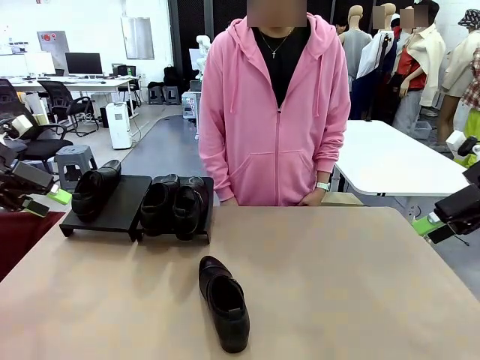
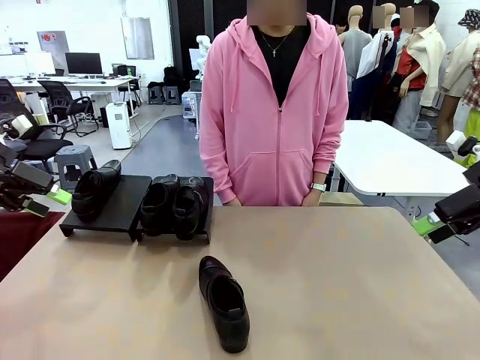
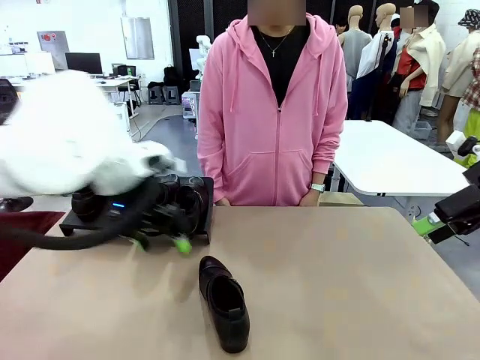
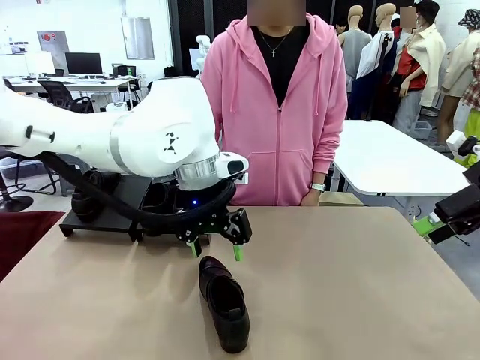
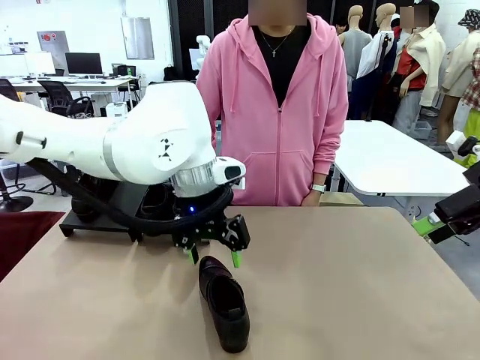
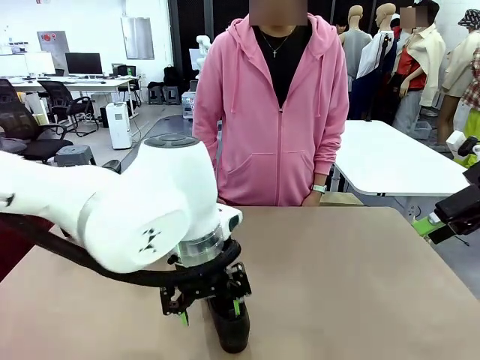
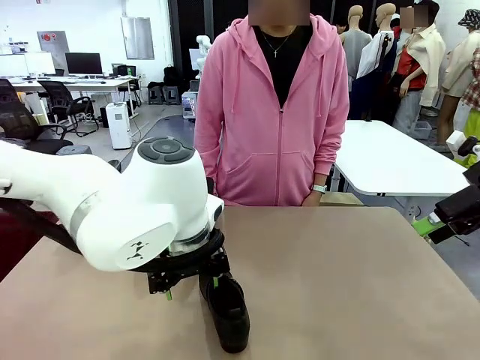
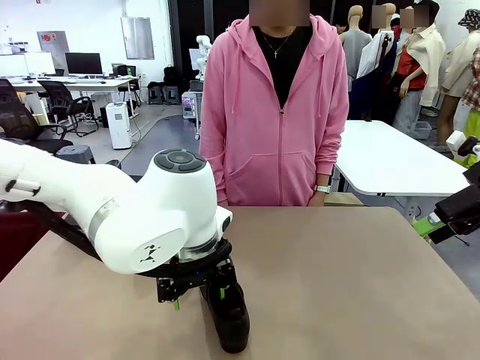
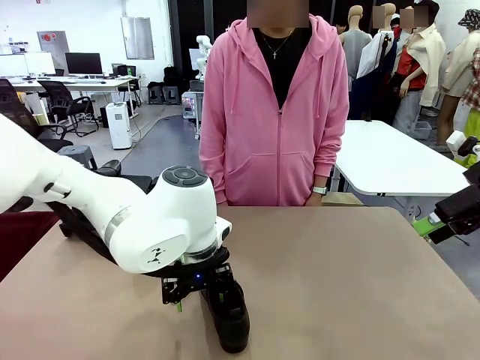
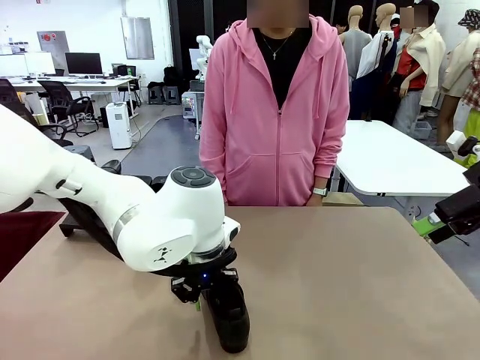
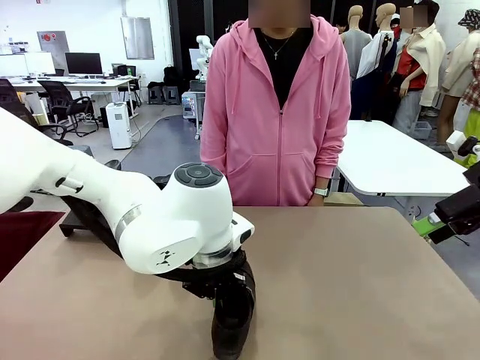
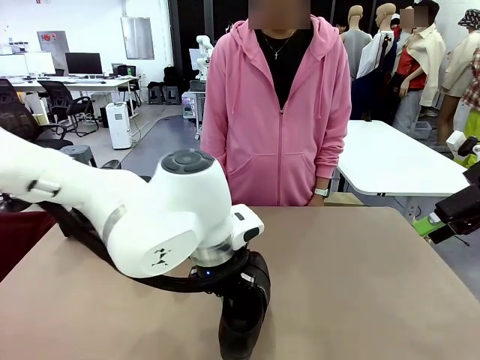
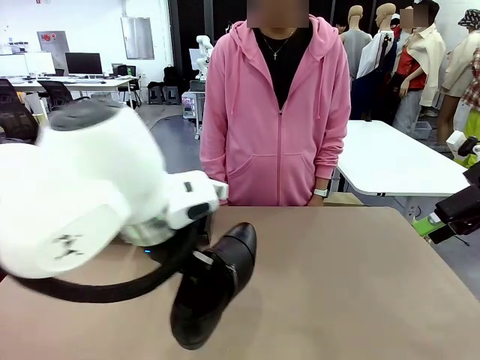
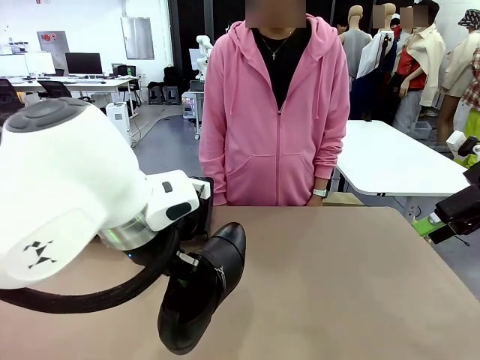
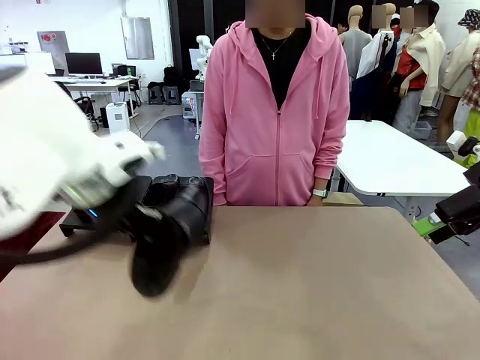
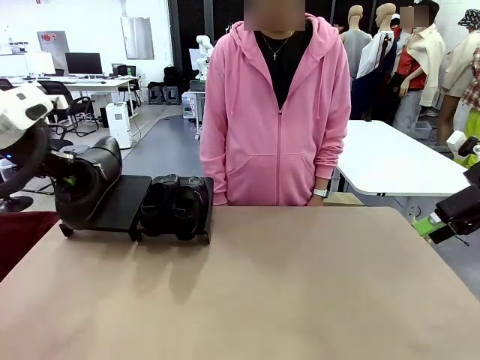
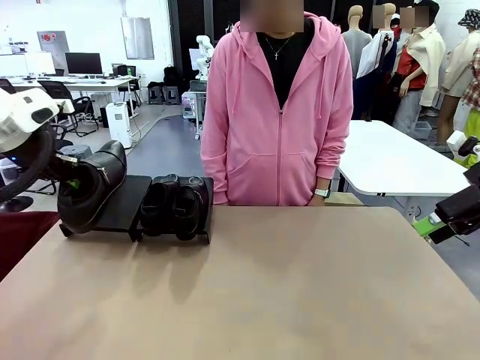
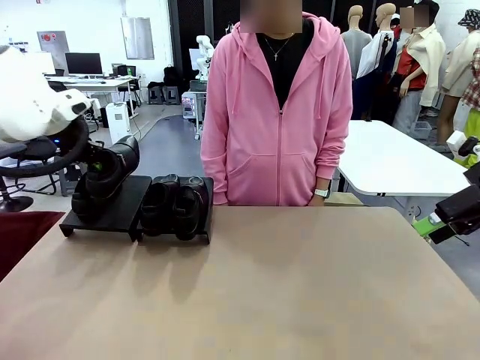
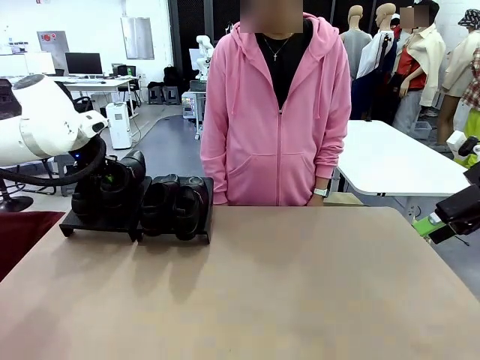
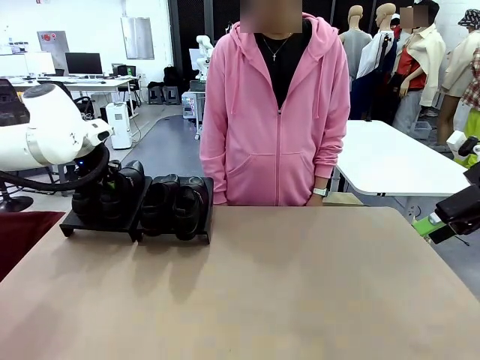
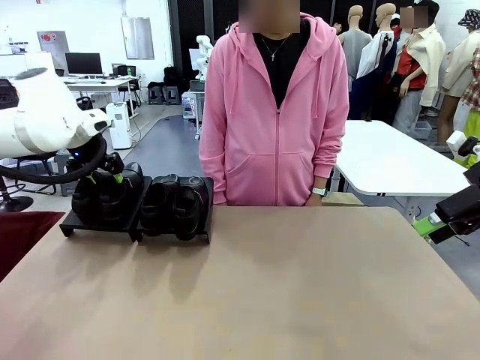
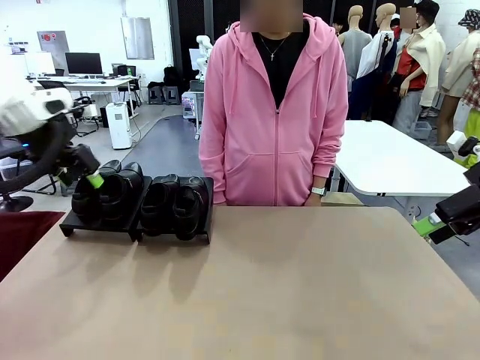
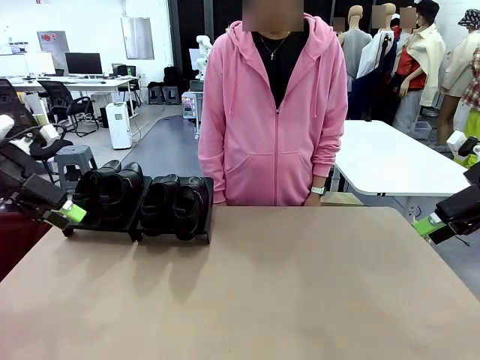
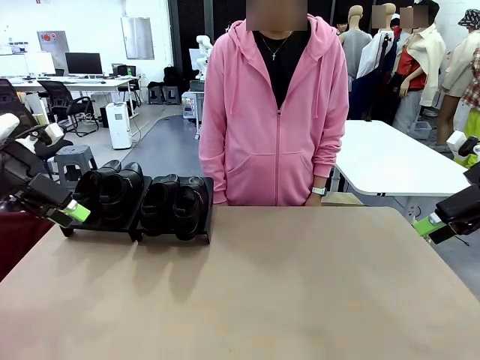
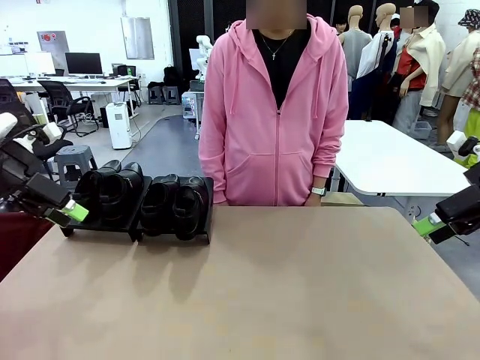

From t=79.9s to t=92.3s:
Task: Organize the shoes by placing them on the stand.
Robot: Place the Shoe from the middle of the table onto the Shoes Stand.

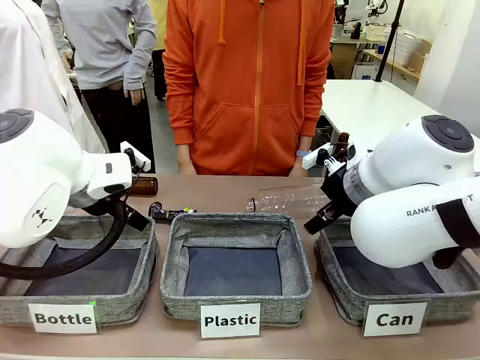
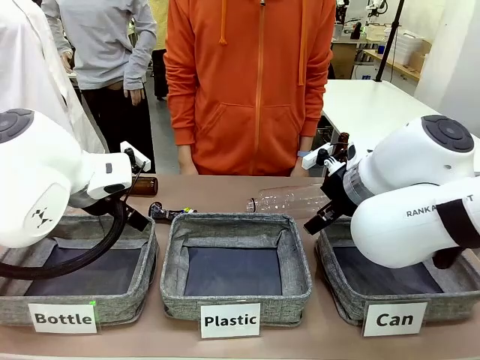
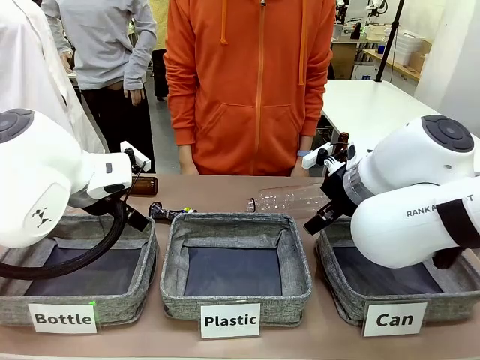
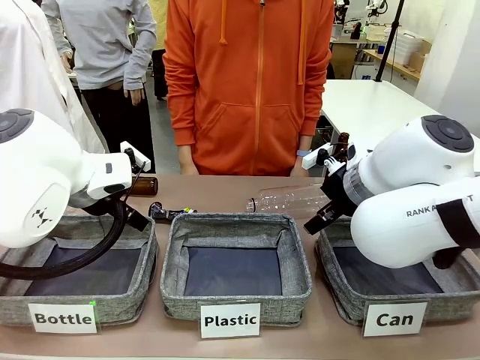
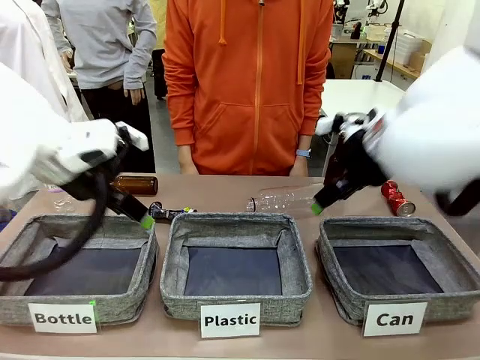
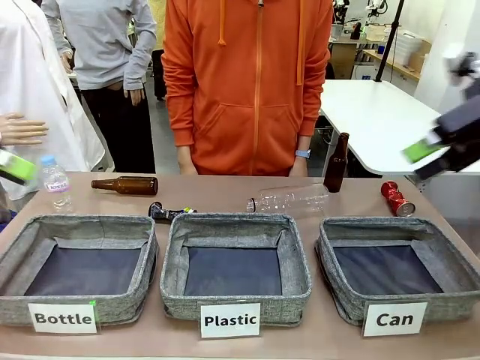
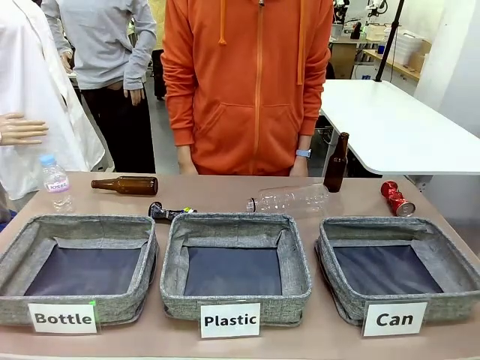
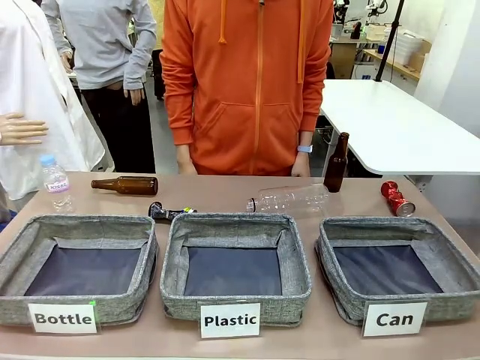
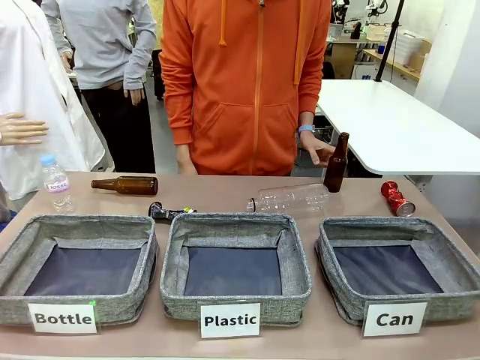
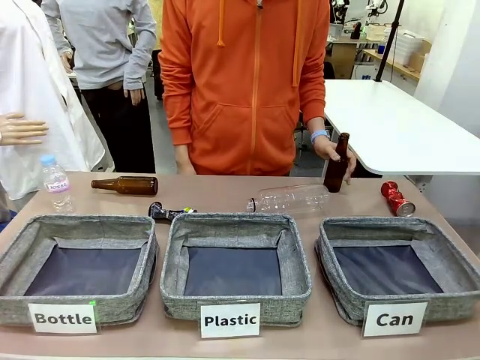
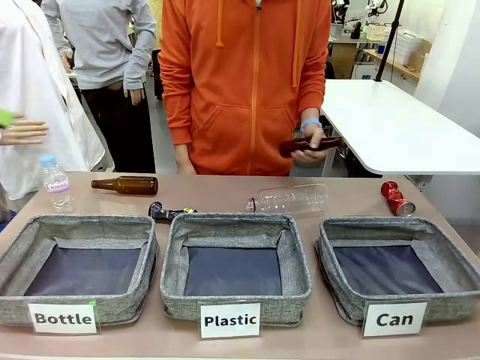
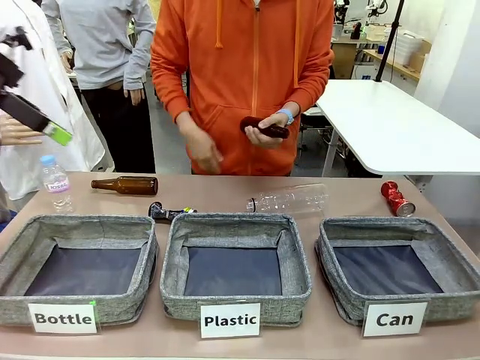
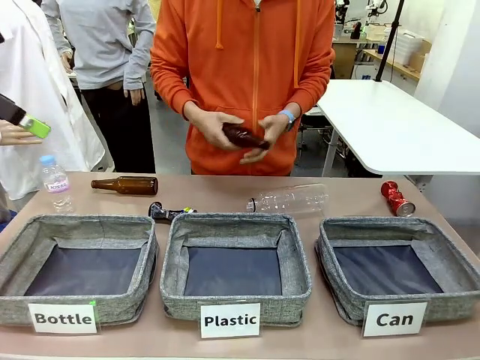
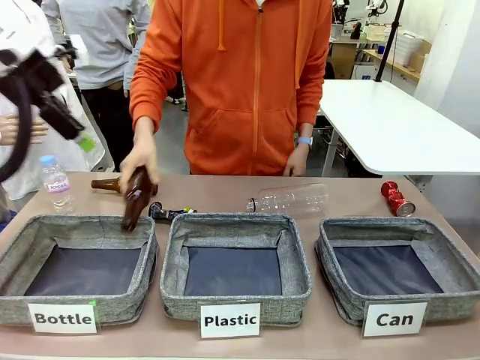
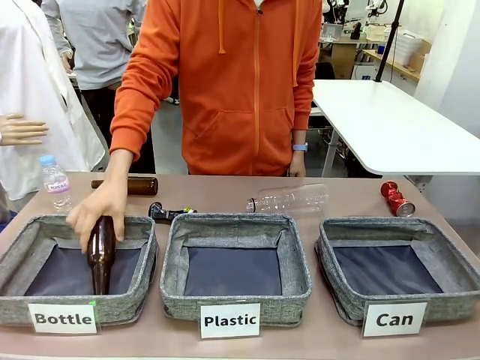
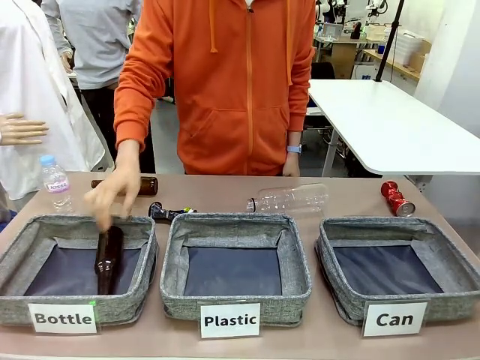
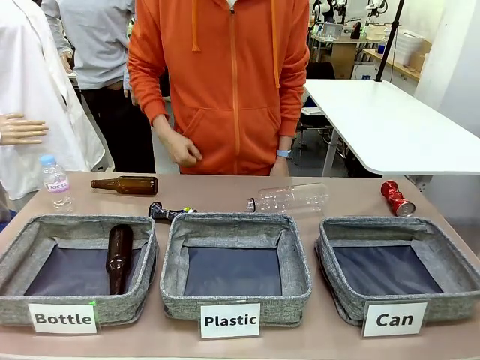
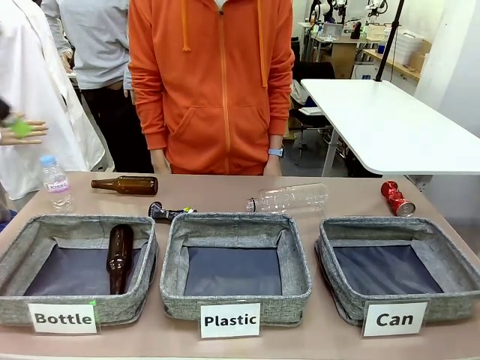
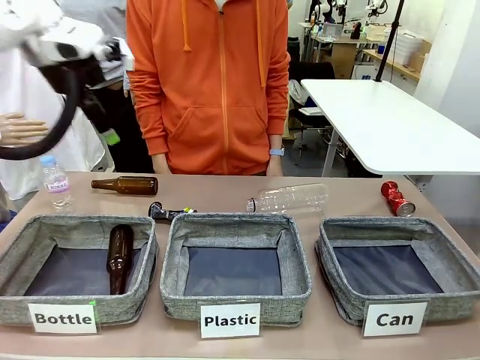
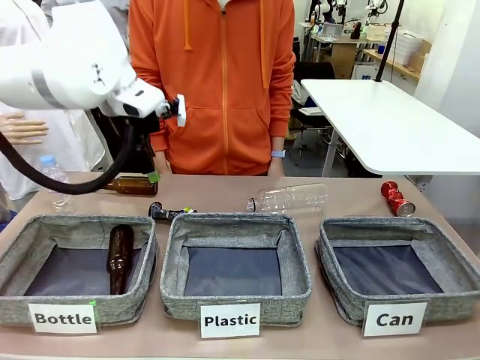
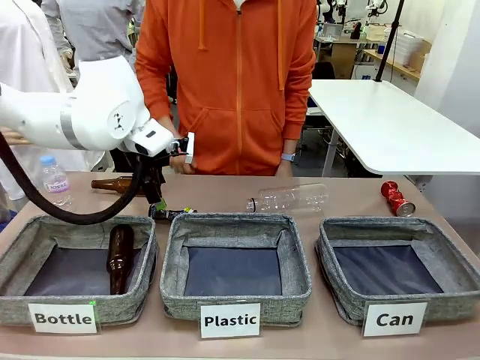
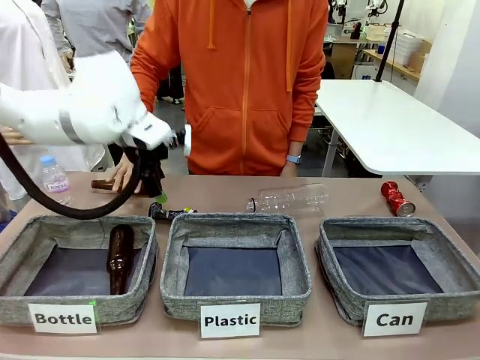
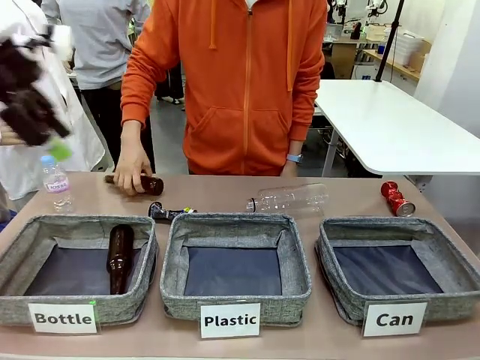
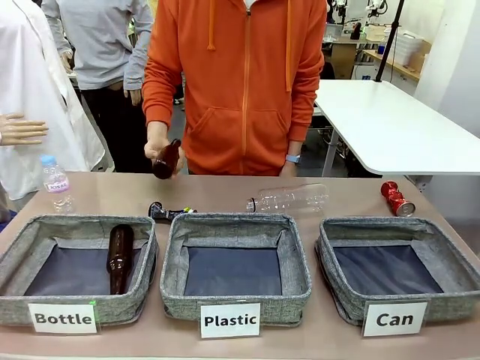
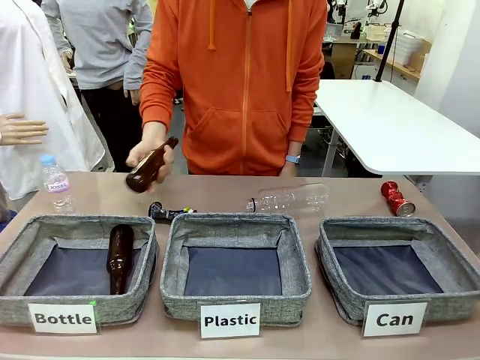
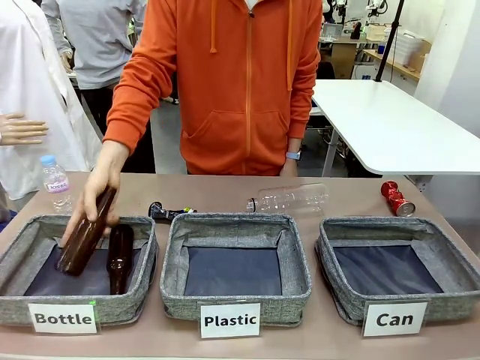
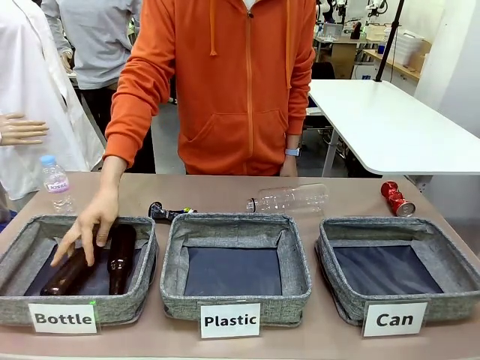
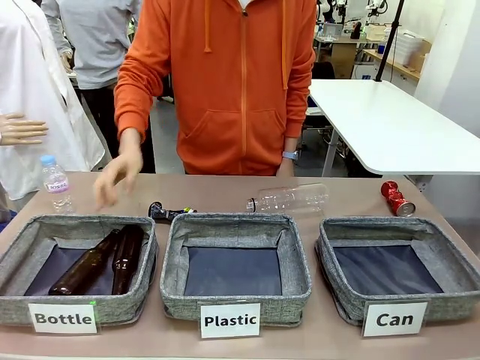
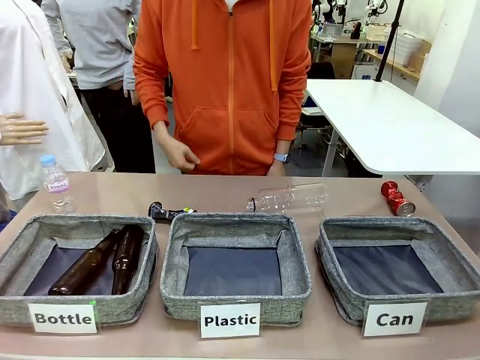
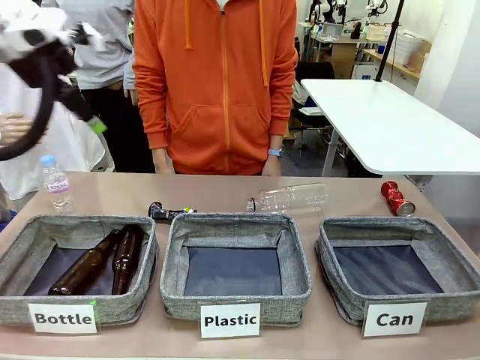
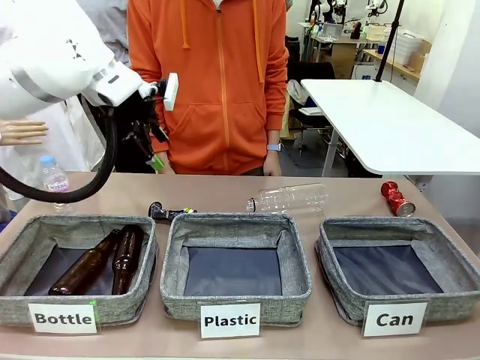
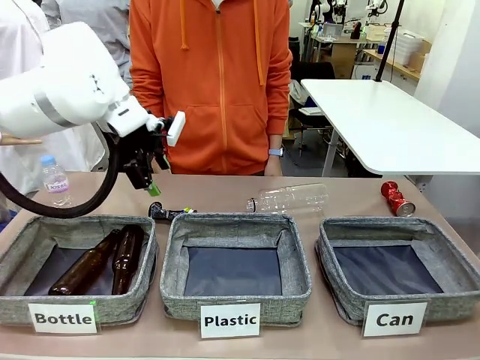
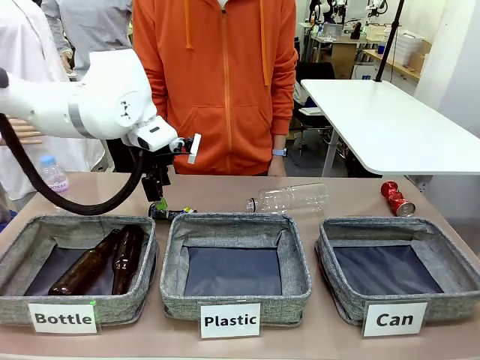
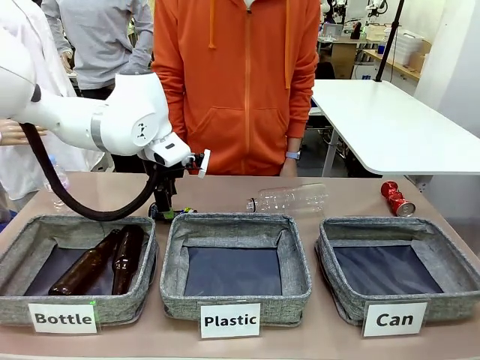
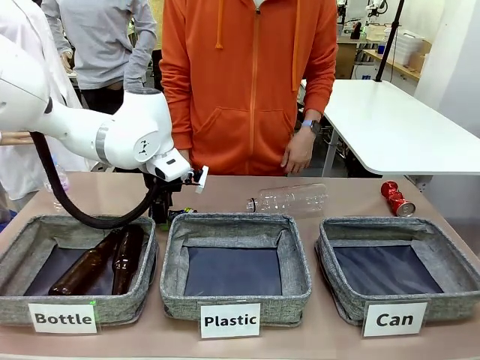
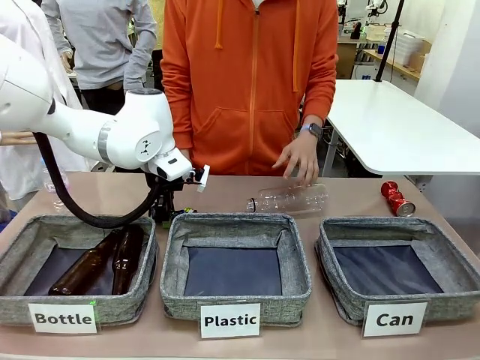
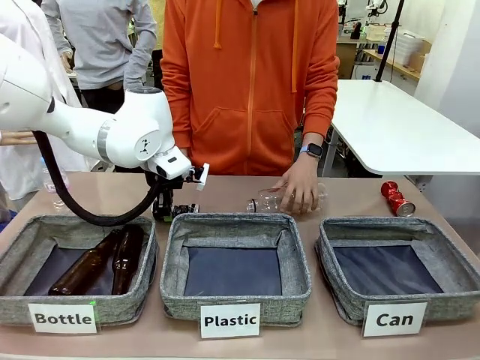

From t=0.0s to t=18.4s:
Task: Sort the can waste into the basket.
Robot: Pick up the can waste from the table and place it in the right Fabric basket.
